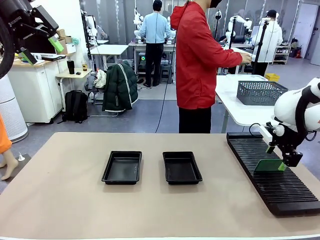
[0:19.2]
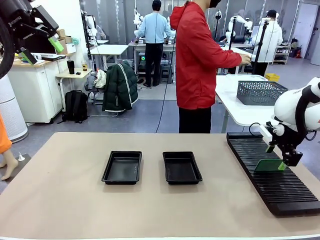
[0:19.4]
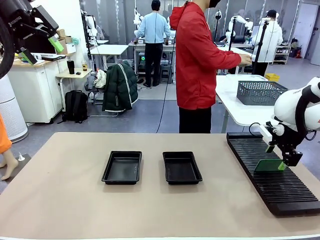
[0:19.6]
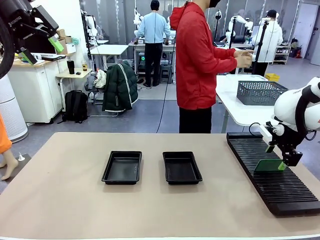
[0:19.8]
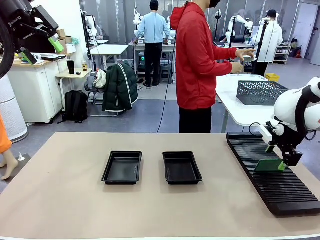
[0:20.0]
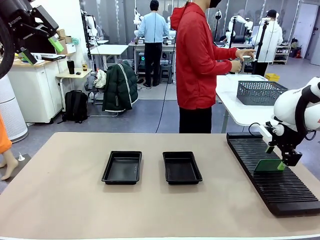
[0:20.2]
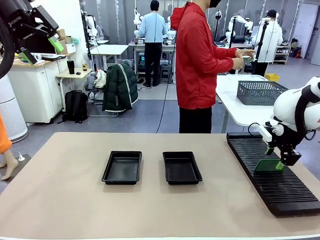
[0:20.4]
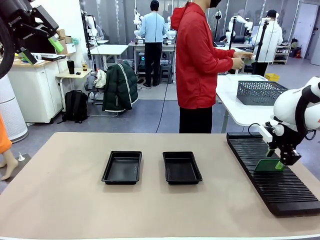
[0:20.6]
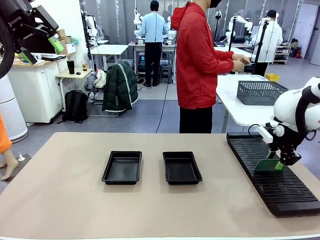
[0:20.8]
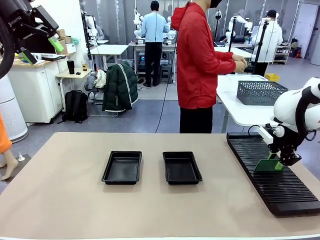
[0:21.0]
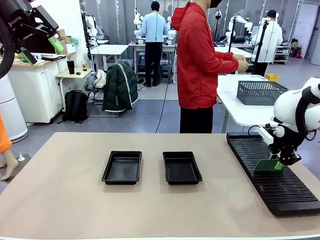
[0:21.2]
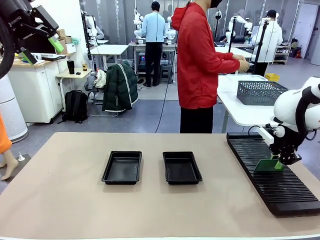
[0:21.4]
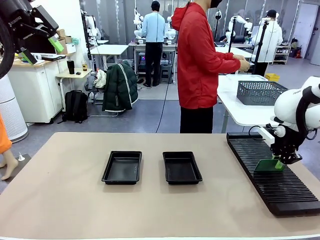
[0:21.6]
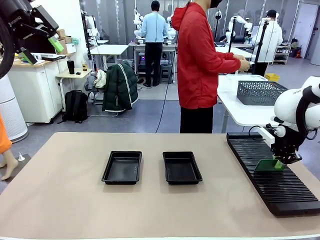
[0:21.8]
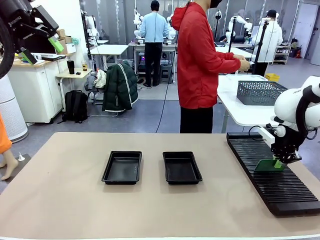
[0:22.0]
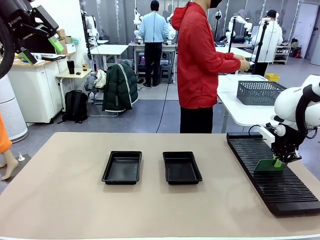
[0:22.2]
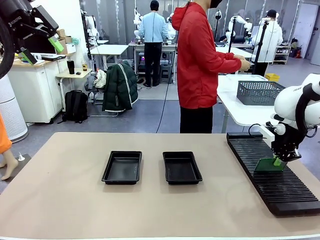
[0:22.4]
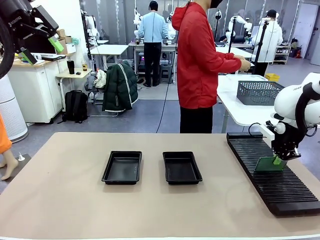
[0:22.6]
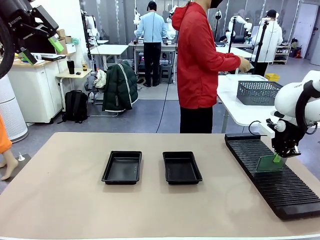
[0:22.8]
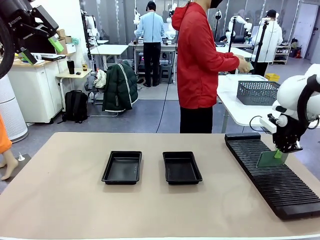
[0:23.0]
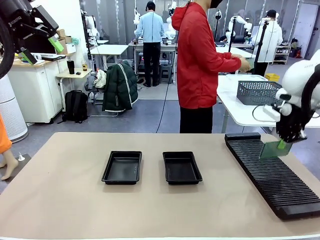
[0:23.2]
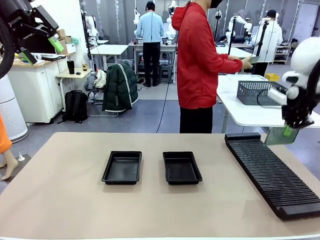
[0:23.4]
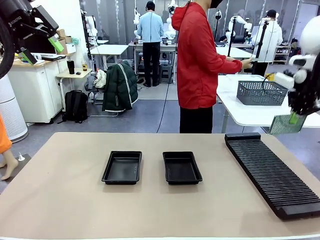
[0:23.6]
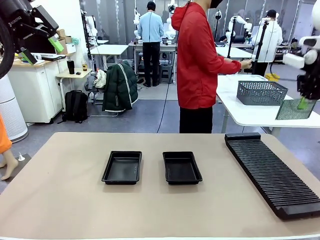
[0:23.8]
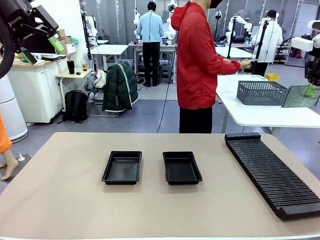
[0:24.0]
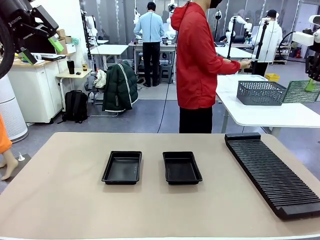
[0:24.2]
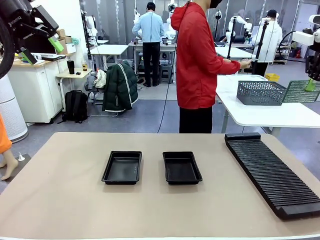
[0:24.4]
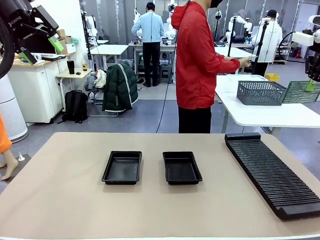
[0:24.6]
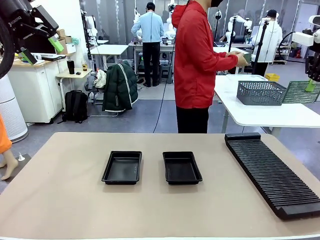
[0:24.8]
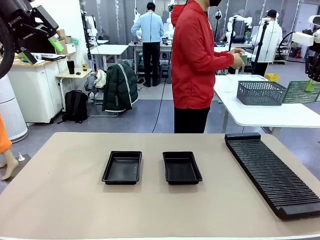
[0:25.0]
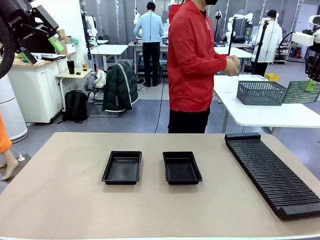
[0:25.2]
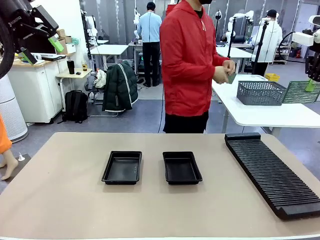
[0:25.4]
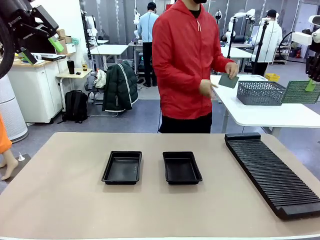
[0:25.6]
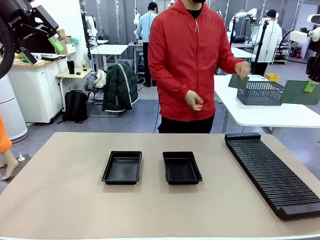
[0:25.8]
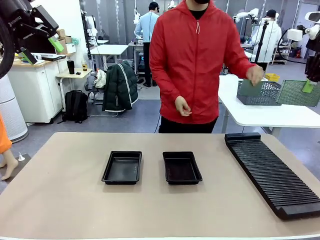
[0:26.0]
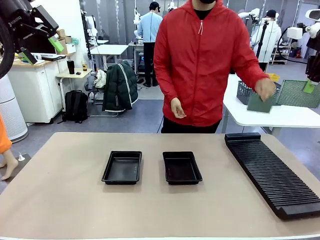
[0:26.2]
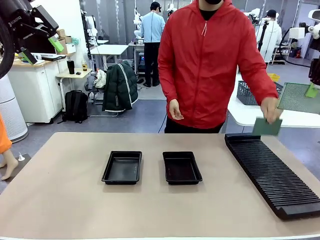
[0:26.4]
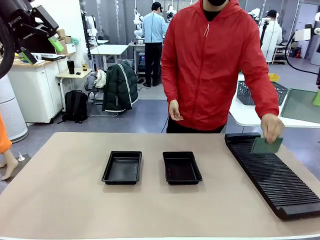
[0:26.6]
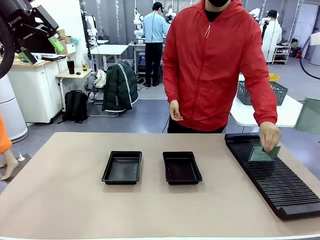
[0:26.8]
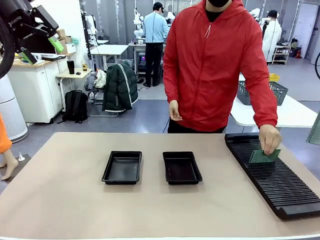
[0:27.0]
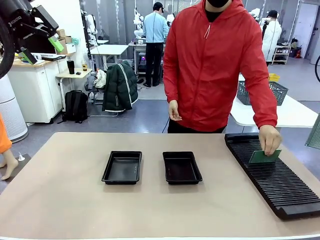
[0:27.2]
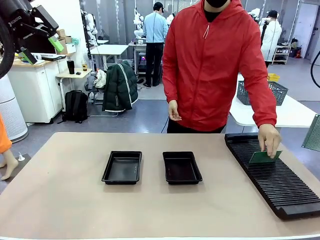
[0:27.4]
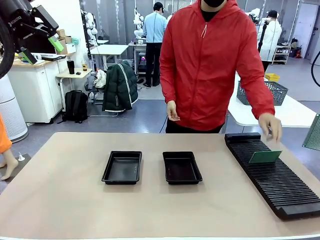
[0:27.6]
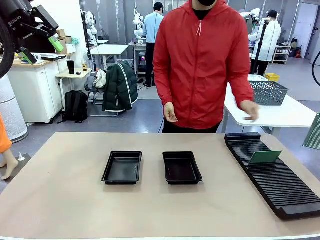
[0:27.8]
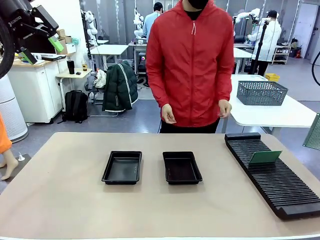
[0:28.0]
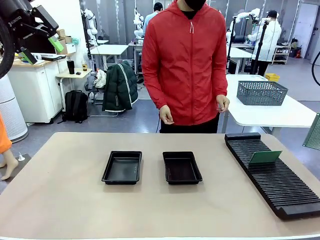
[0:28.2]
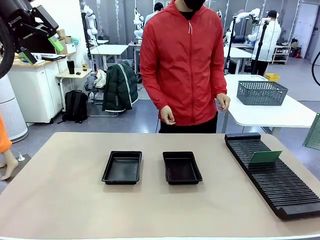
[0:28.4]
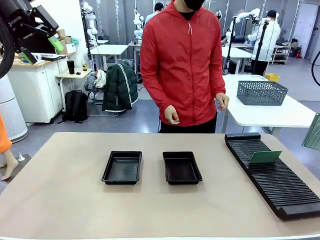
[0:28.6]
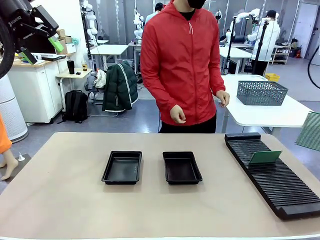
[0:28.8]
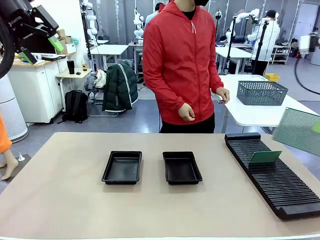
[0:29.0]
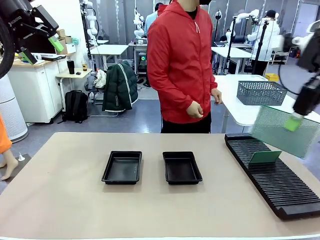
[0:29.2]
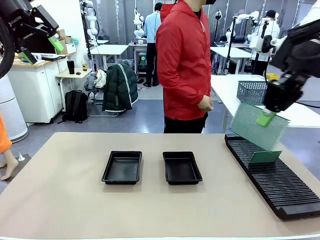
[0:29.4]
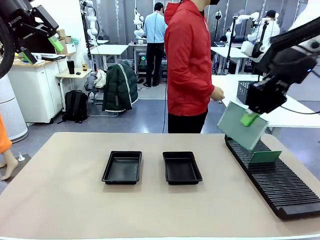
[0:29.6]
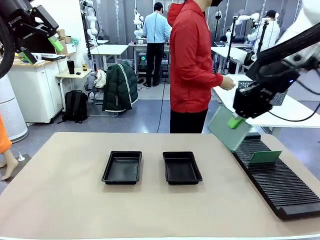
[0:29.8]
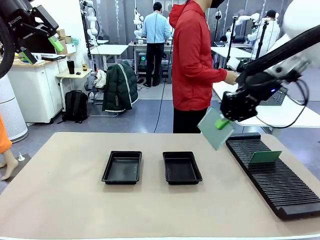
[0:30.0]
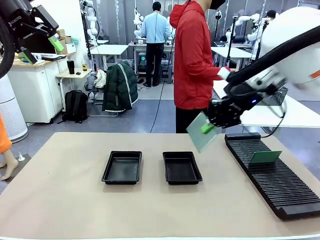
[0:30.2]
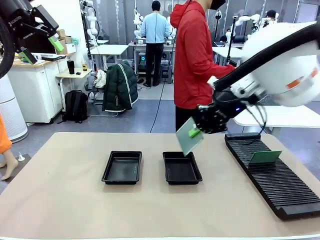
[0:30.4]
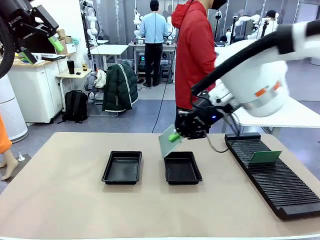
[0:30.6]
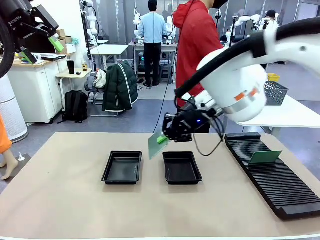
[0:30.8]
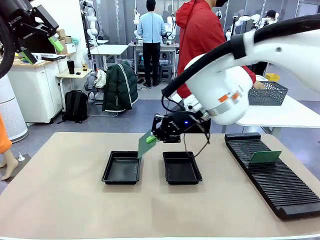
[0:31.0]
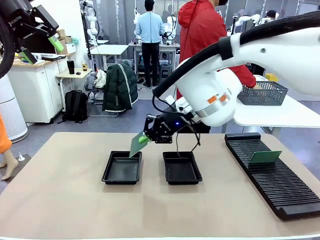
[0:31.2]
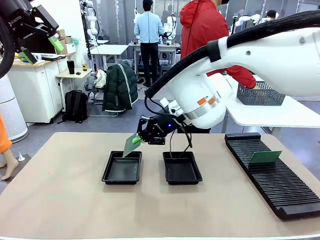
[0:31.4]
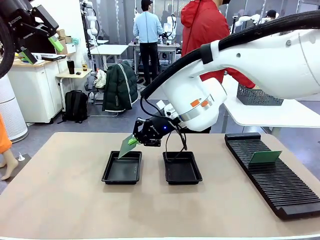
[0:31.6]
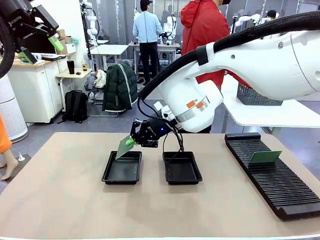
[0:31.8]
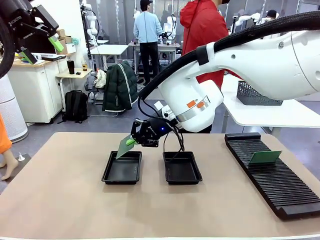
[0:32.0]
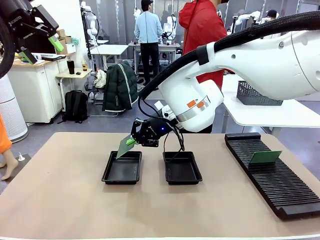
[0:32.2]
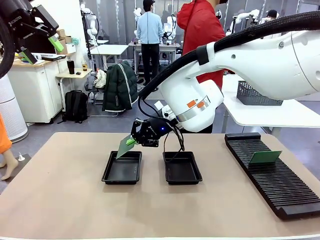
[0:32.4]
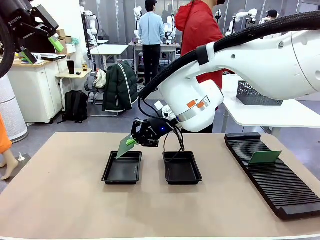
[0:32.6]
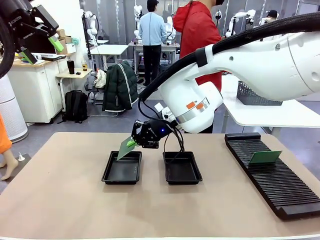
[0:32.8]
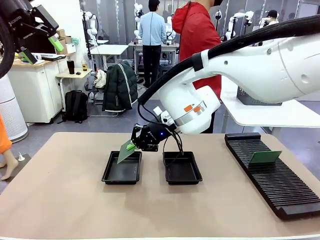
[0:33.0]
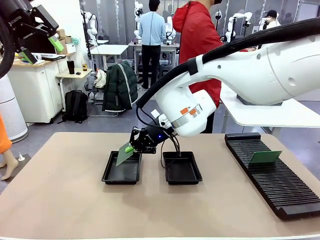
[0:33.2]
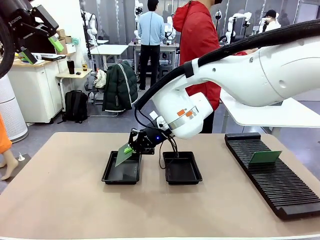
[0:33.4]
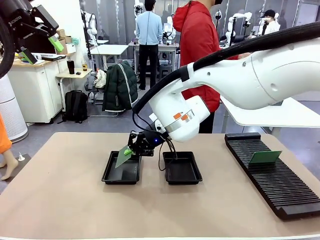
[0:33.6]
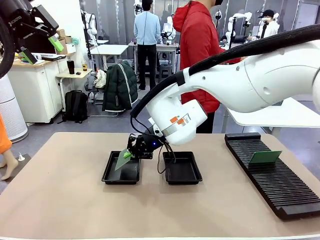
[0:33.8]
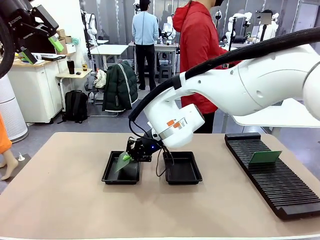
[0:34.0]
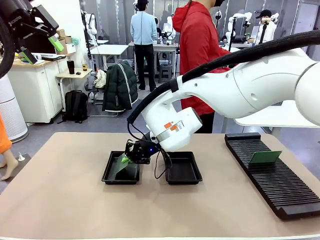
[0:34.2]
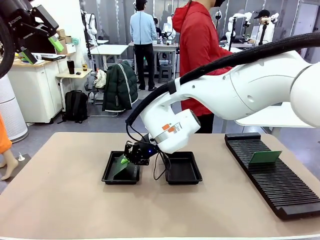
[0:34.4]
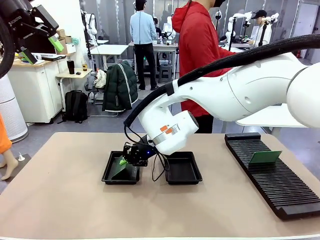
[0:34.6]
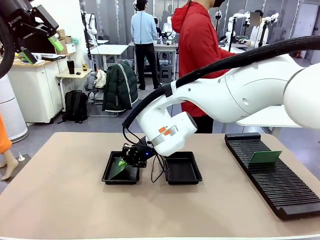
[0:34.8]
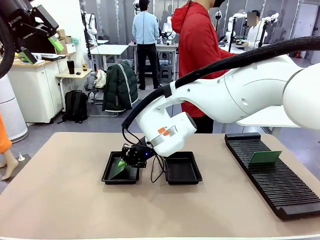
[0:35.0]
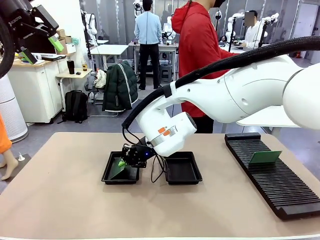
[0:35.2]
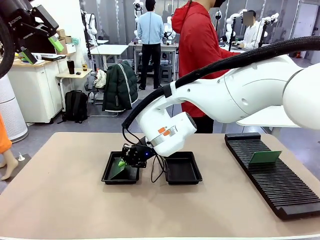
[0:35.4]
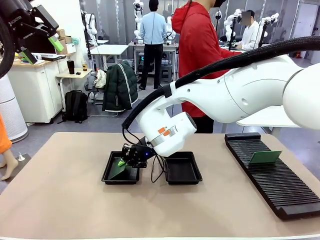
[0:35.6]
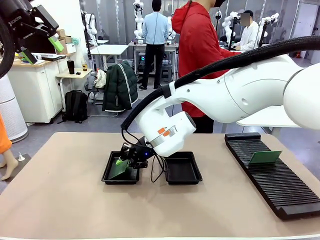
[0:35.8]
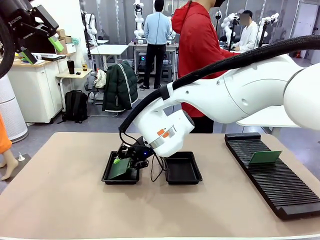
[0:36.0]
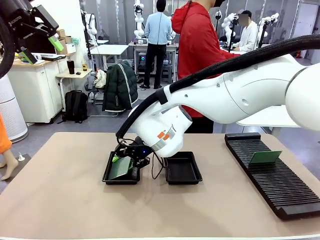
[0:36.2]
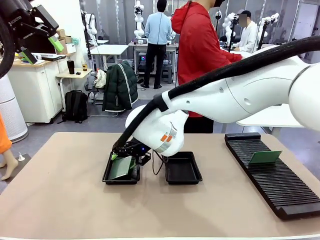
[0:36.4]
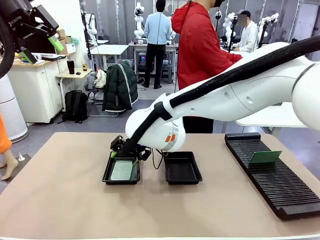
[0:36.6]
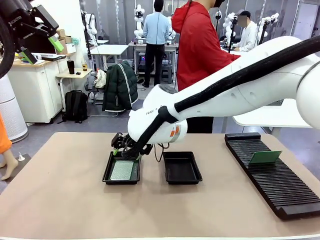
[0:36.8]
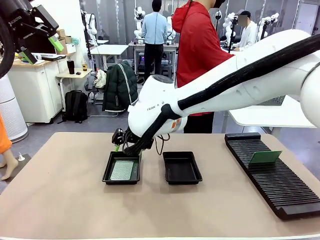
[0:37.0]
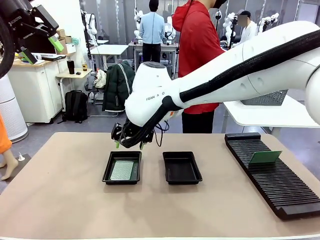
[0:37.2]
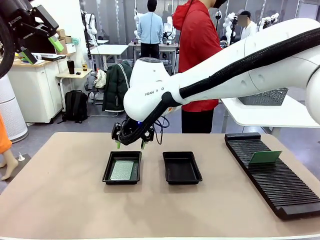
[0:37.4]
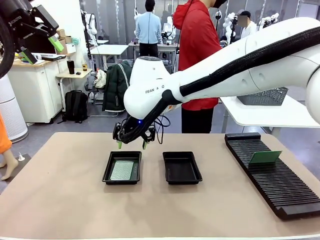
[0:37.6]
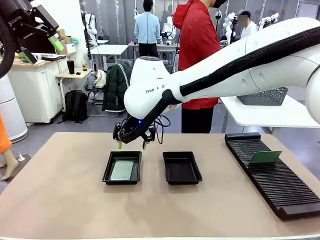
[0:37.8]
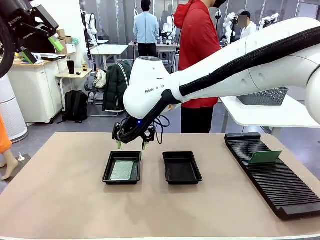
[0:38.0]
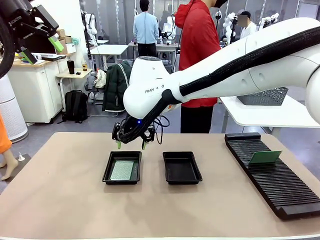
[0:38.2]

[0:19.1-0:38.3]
Task: Inspect and transfer BCBs to ESD trays.
Robot: Pick up the Blank PCB from the PCB Rack and place it in the left ESD tray.
